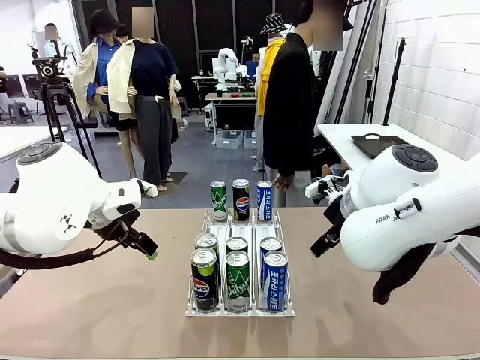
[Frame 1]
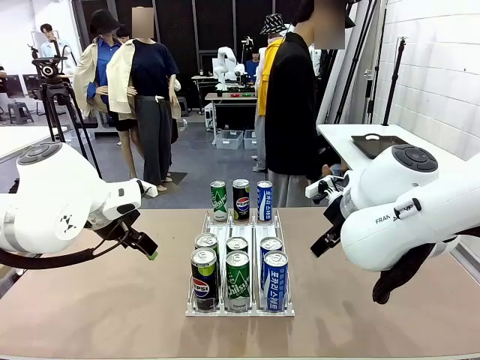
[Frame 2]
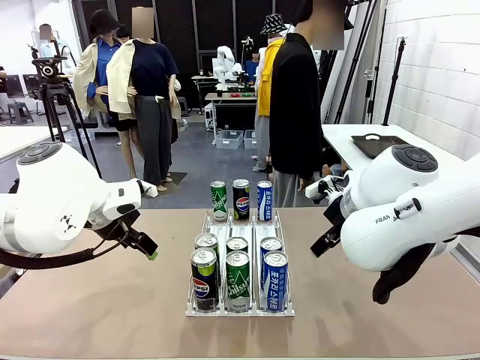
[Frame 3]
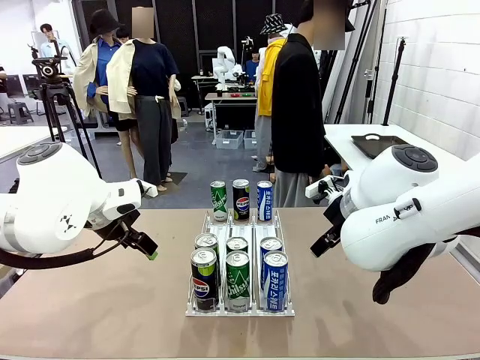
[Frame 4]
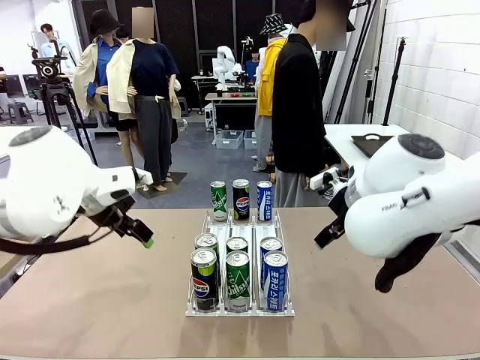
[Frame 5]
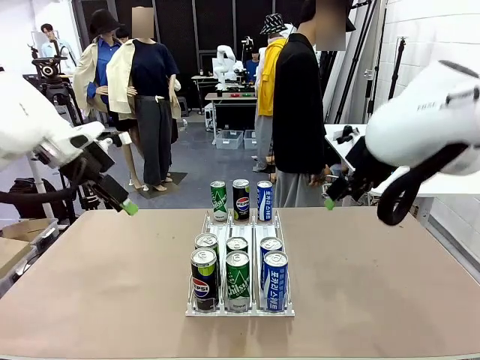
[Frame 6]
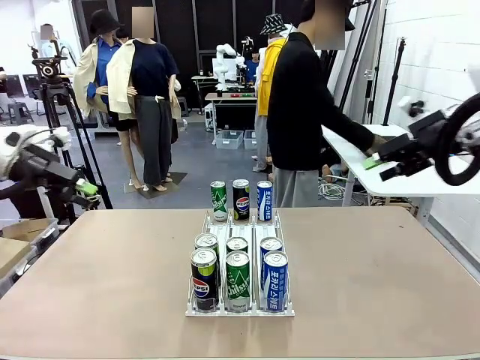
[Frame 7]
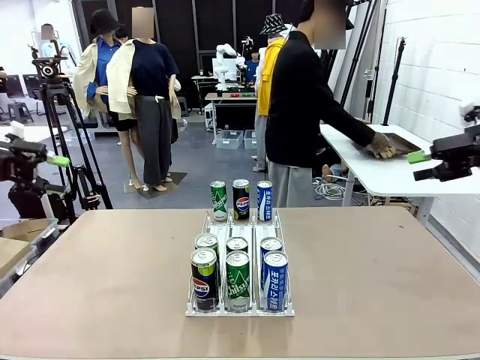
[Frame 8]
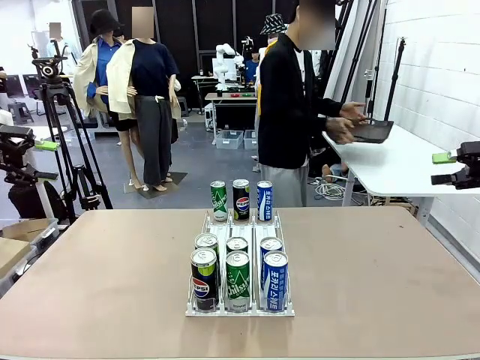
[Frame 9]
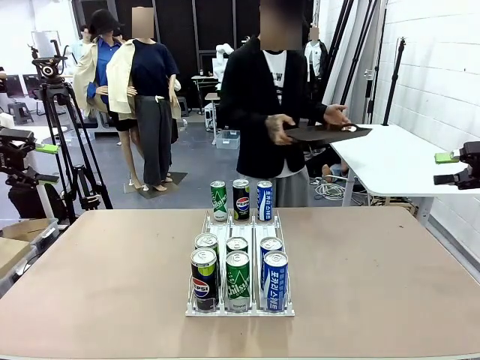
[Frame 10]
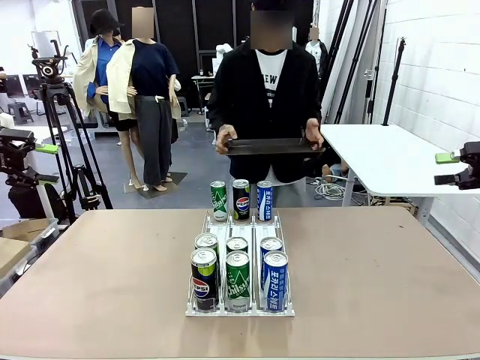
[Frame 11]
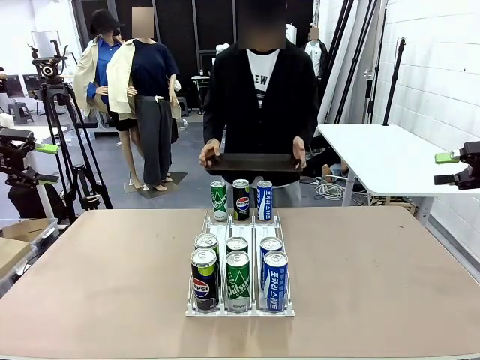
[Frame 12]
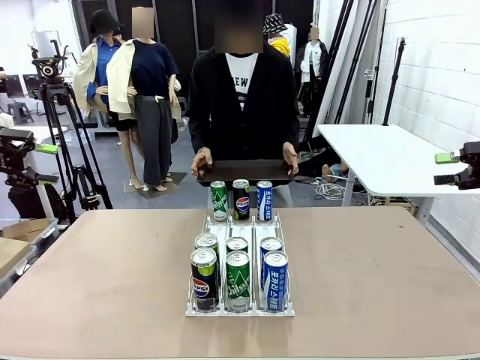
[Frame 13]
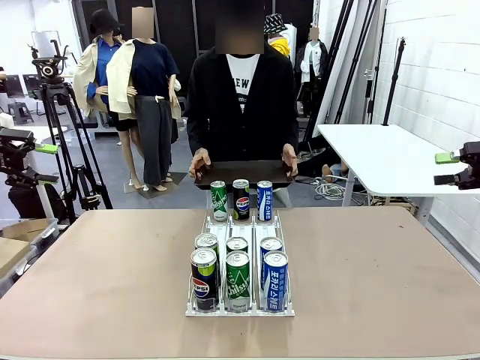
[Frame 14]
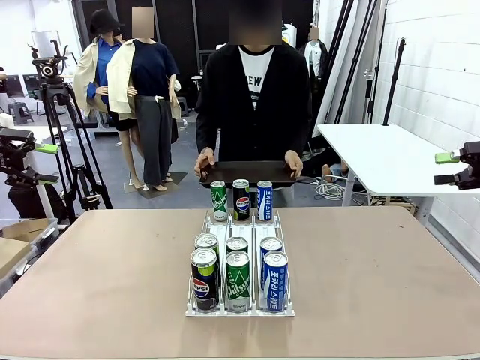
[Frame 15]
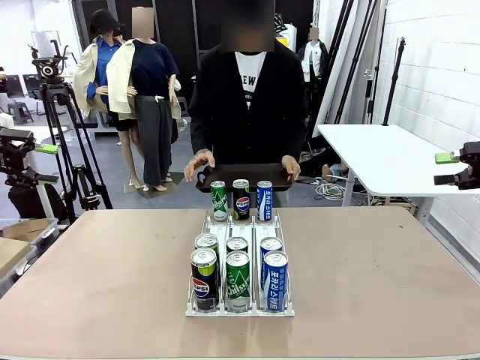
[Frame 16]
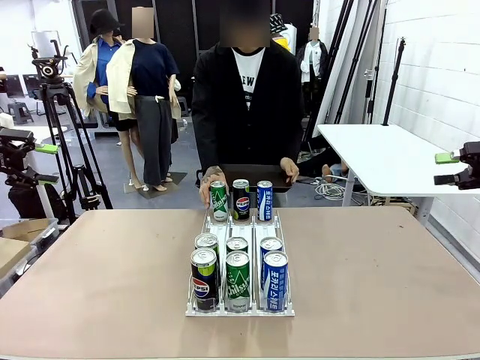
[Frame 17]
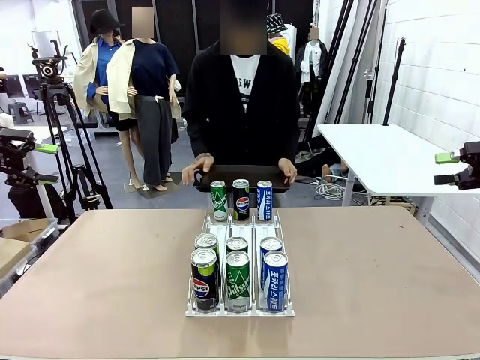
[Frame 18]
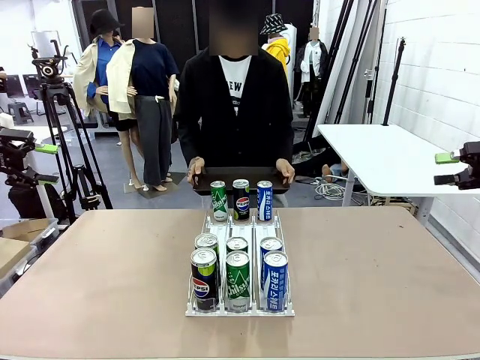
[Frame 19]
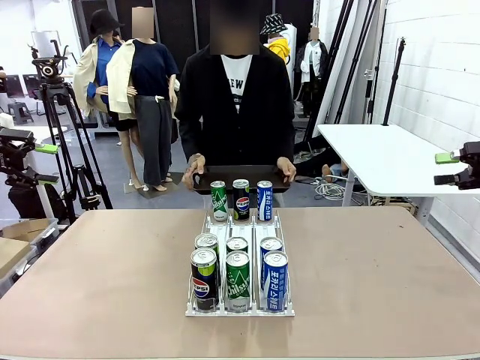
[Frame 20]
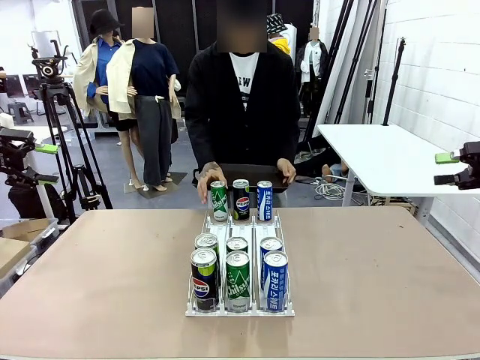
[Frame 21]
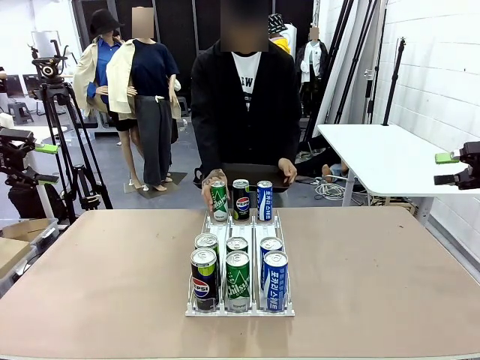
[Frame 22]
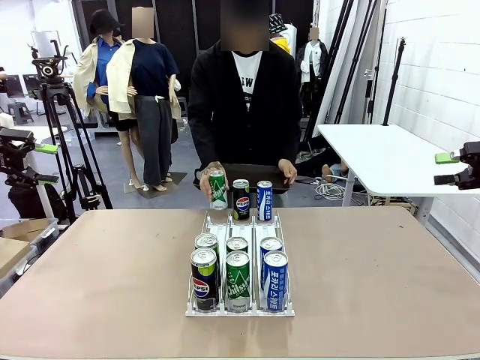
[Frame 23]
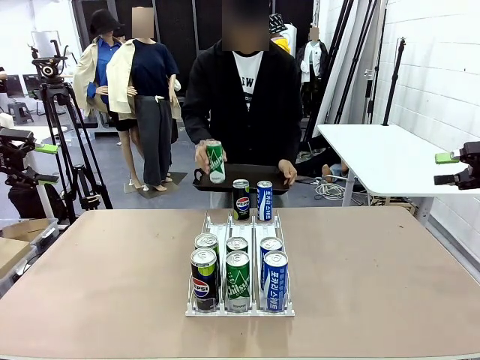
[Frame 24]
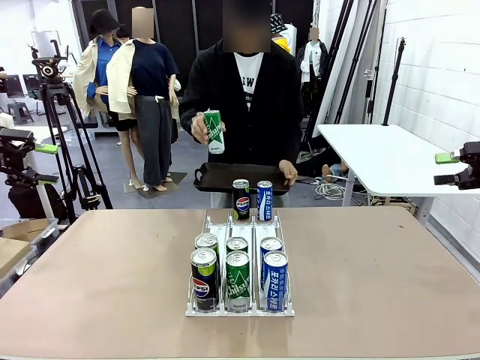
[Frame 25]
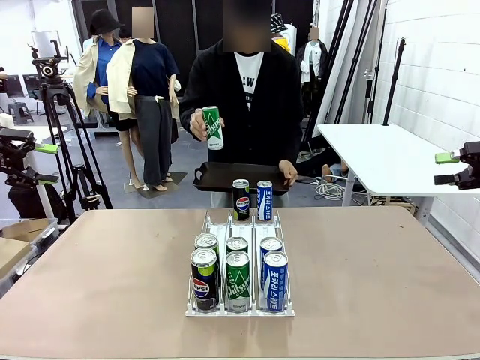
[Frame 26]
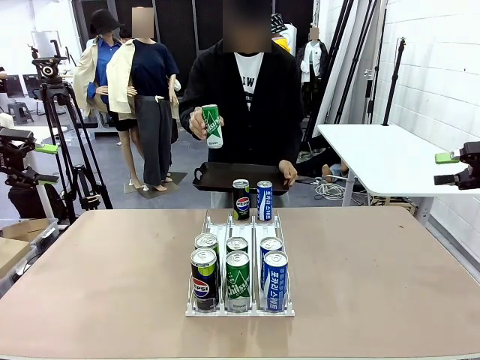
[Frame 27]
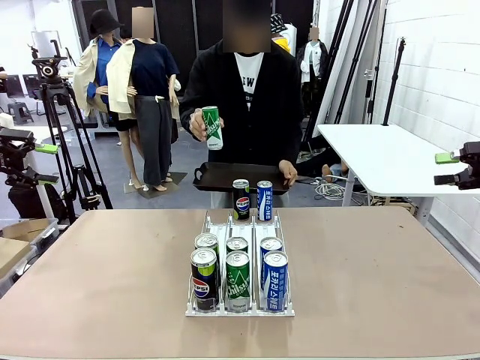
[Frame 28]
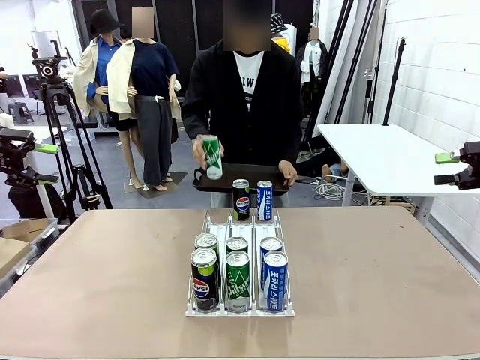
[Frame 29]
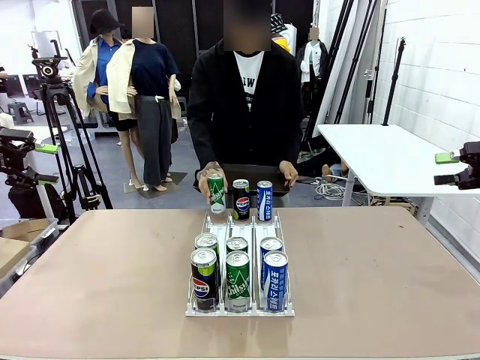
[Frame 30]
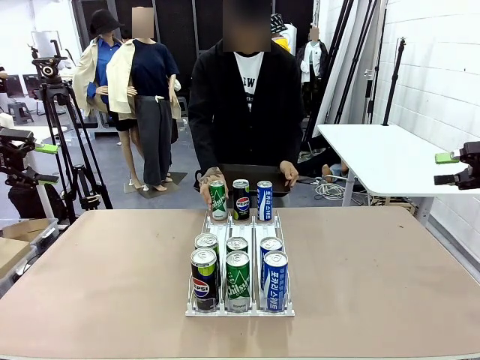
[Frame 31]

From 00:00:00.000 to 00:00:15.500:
Task: Retrieve and hand over the desired beverage to the person.
Robot: Pick up a can of the same type that the person held from the Automatic Can Dispenser.
Person: Hold the tray and position yourself in front of the robot table. Pick up one can from the bottom area of the table and puts it back in its original place.
